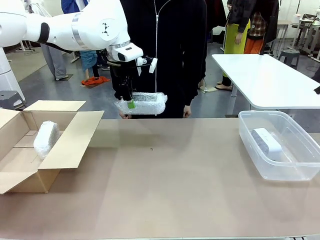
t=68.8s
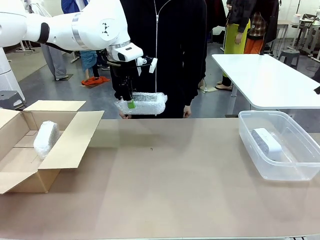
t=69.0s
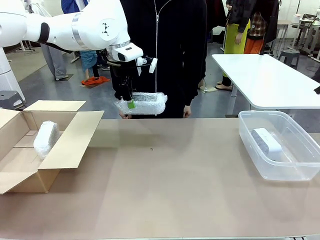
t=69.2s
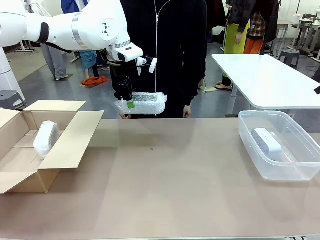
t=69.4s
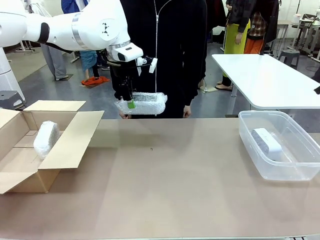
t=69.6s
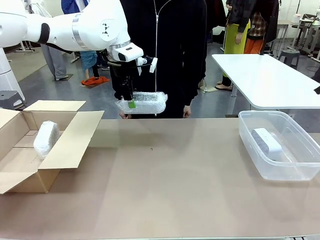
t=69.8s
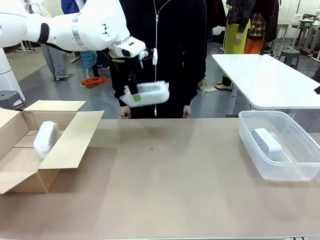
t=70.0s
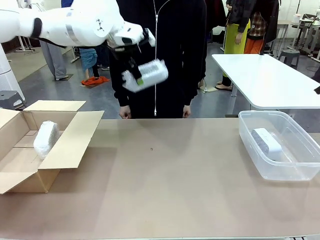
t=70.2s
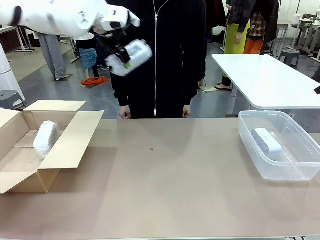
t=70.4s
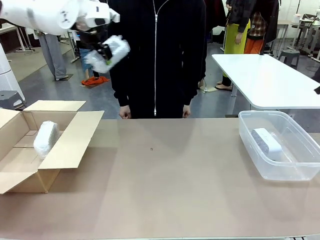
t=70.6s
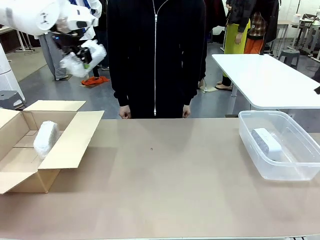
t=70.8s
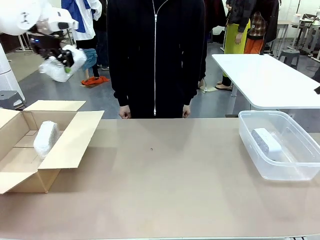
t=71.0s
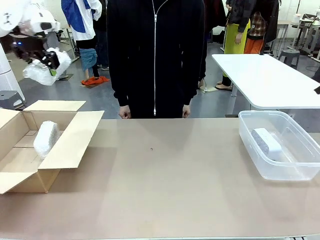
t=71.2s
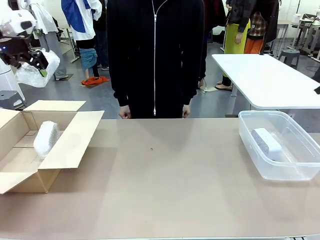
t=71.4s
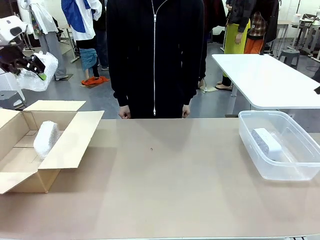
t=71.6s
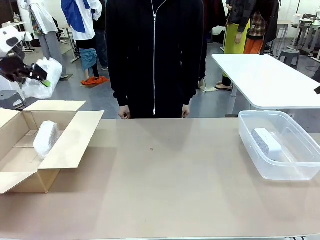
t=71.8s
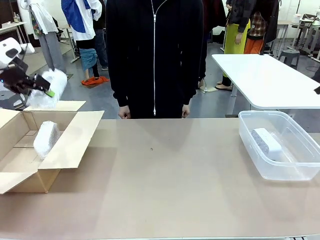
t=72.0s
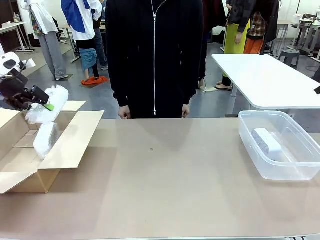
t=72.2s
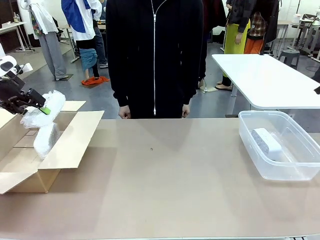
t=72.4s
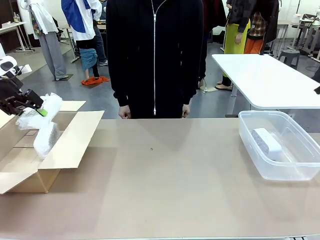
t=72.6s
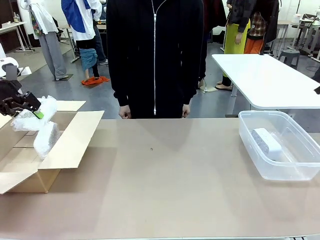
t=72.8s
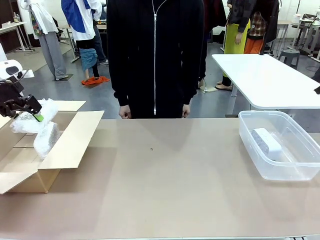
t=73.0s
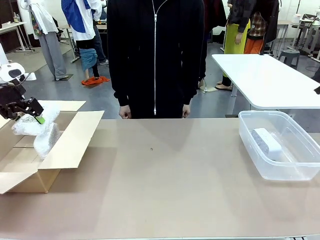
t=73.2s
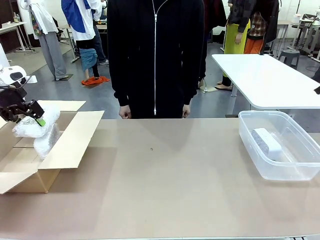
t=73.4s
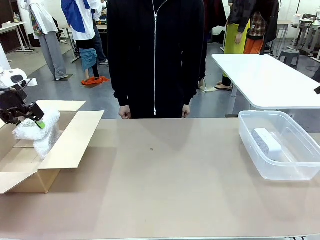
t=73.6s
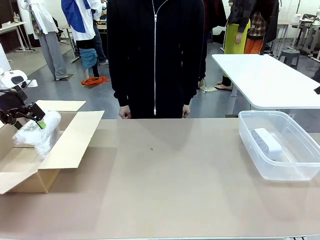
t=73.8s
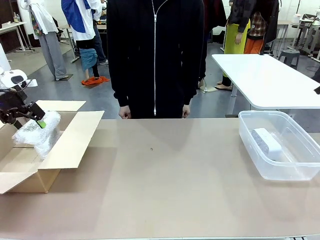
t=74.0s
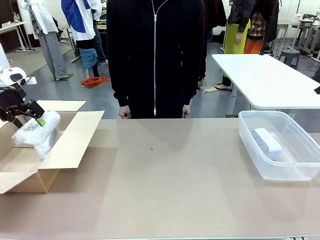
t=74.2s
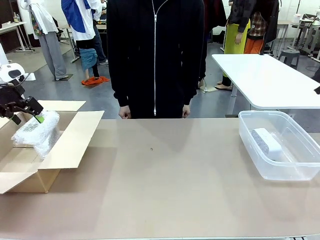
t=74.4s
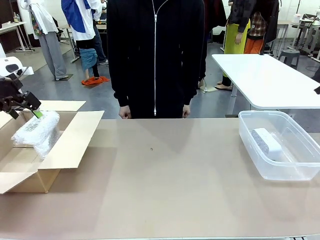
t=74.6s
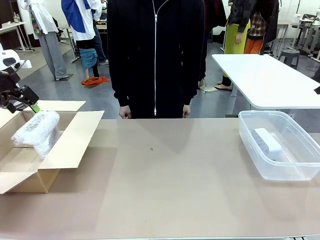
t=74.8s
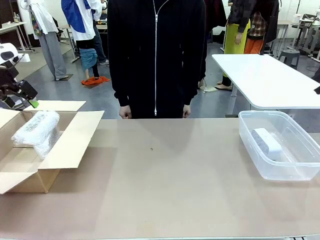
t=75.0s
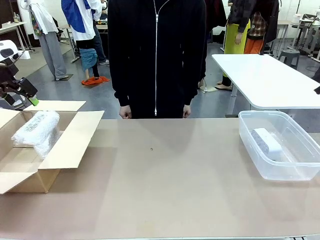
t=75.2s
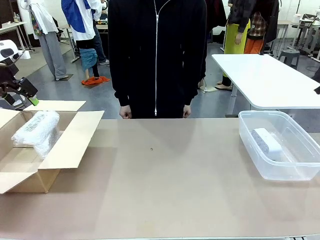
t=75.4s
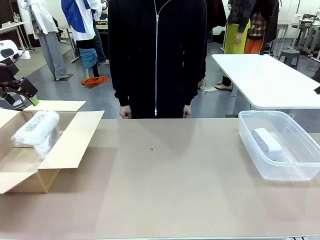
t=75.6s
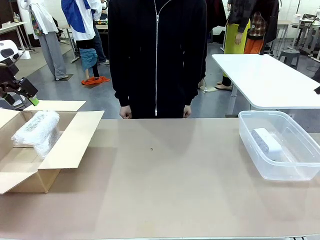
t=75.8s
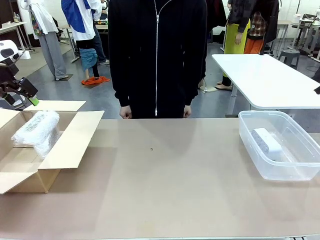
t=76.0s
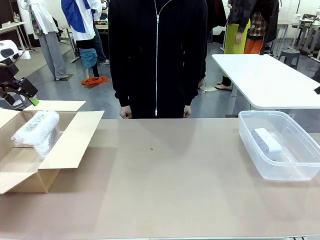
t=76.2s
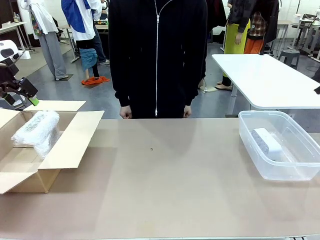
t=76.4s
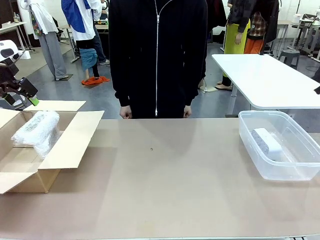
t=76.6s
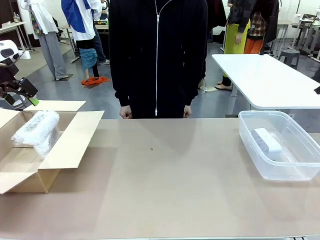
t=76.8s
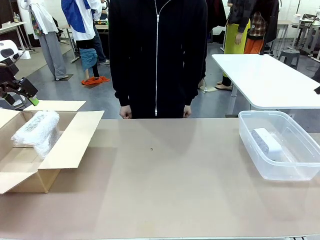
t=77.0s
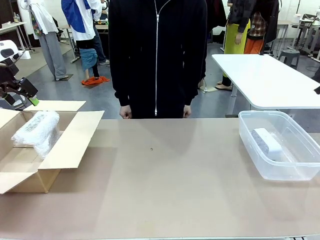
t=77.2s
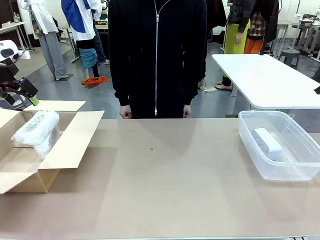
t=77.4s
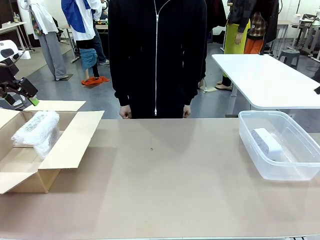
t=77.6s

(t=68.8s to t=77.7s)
Task: Separate and place wrapped and unwrapped clocks.
Robot: If the picked Digital clock is wrapped, place it in the Package Box ; if not, place it in the Organizing box.

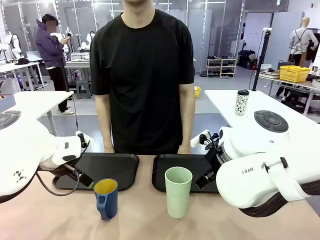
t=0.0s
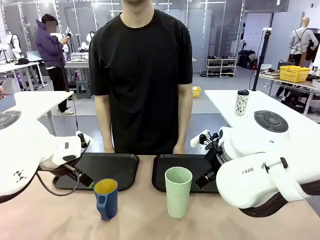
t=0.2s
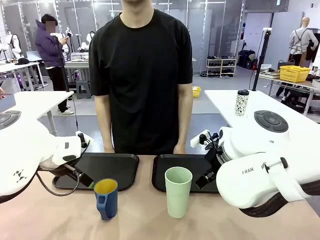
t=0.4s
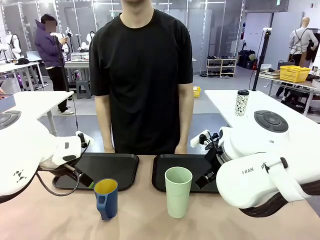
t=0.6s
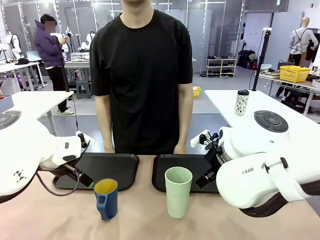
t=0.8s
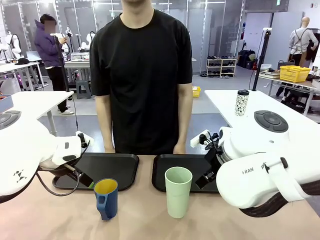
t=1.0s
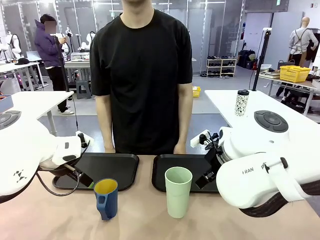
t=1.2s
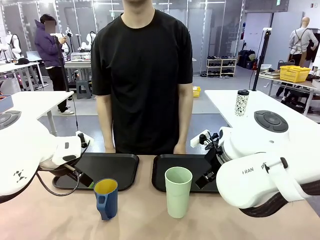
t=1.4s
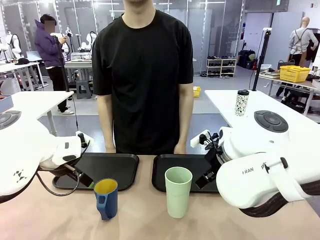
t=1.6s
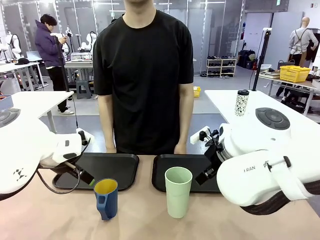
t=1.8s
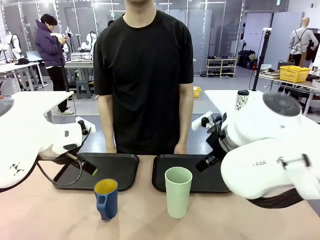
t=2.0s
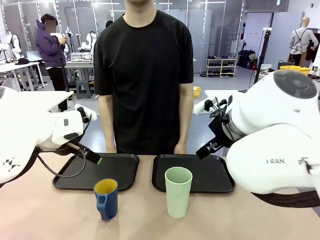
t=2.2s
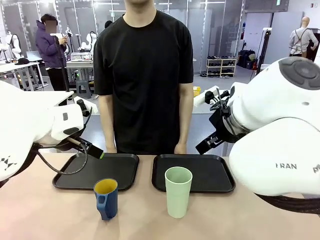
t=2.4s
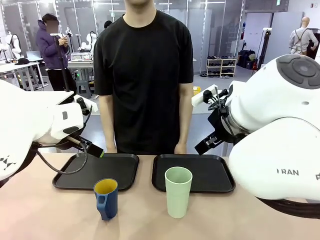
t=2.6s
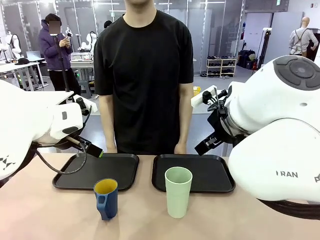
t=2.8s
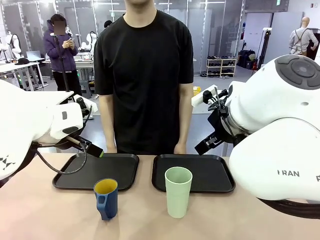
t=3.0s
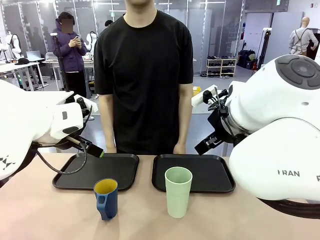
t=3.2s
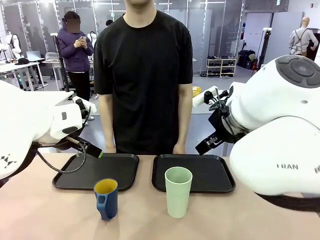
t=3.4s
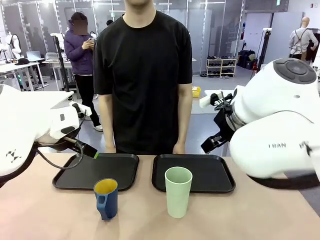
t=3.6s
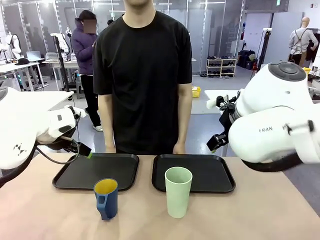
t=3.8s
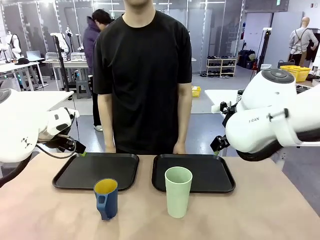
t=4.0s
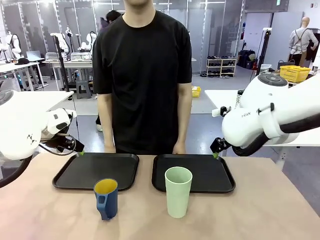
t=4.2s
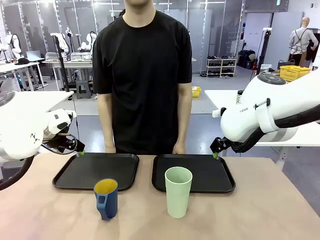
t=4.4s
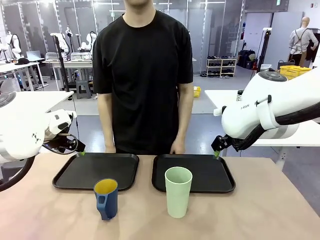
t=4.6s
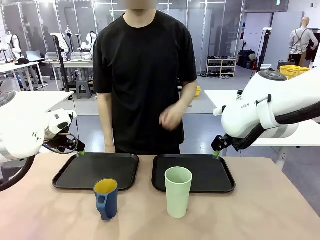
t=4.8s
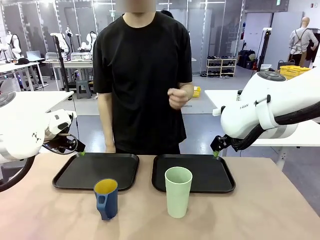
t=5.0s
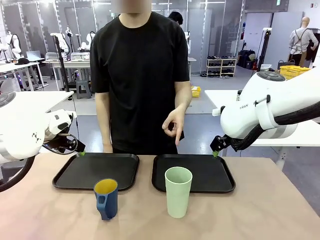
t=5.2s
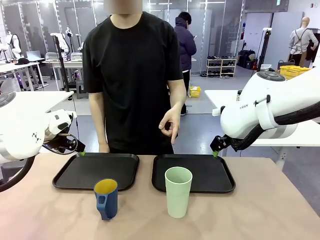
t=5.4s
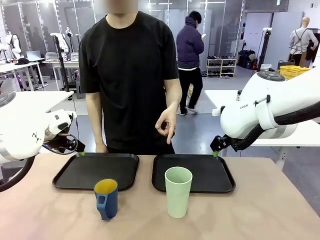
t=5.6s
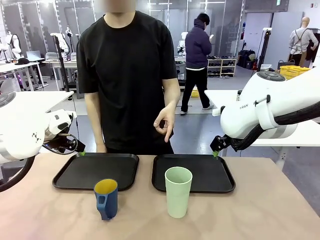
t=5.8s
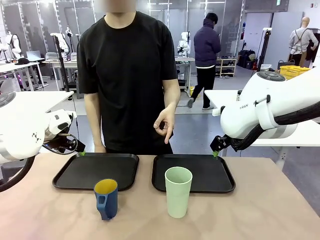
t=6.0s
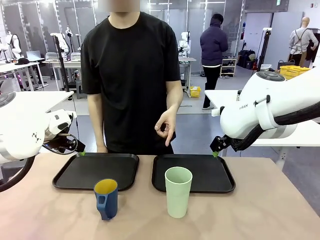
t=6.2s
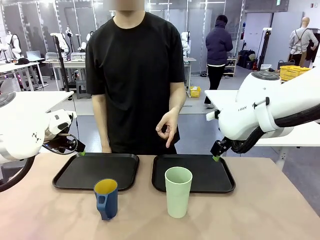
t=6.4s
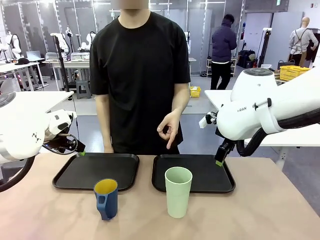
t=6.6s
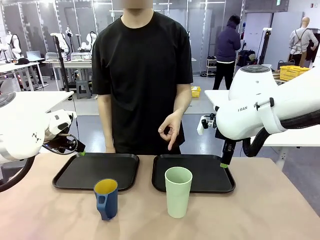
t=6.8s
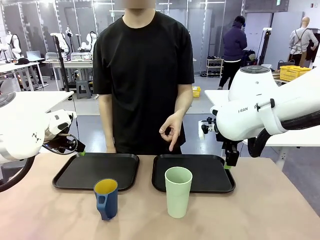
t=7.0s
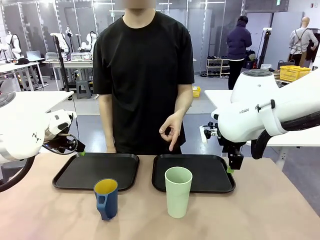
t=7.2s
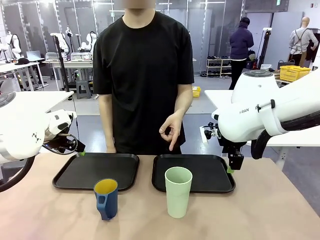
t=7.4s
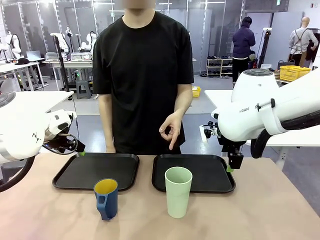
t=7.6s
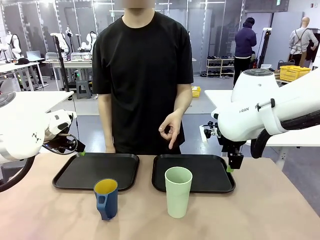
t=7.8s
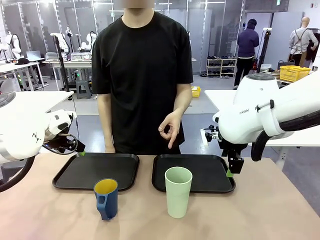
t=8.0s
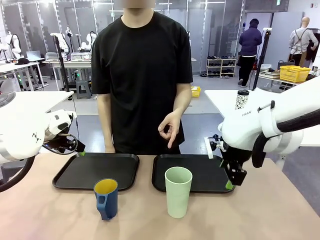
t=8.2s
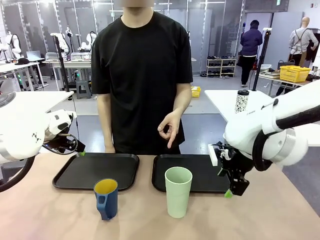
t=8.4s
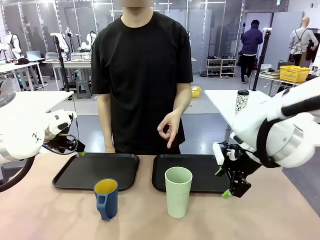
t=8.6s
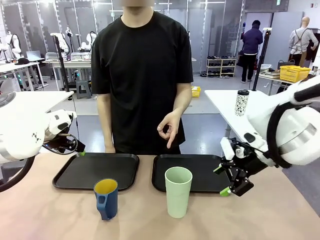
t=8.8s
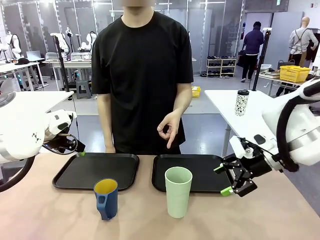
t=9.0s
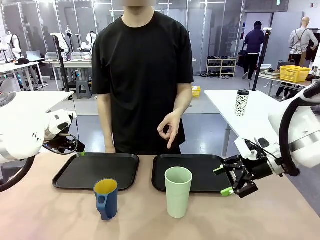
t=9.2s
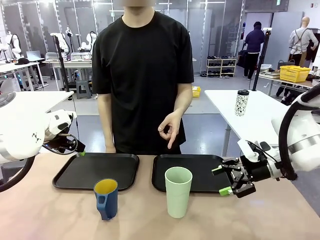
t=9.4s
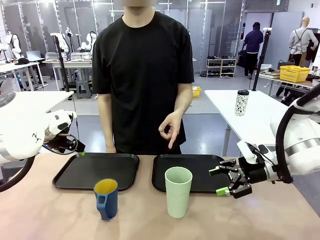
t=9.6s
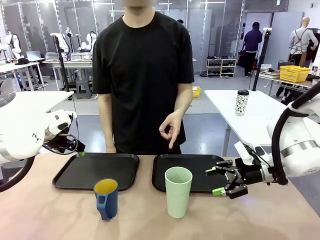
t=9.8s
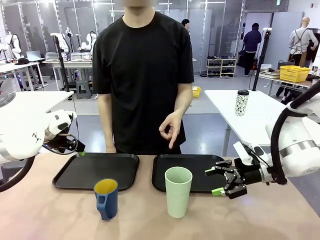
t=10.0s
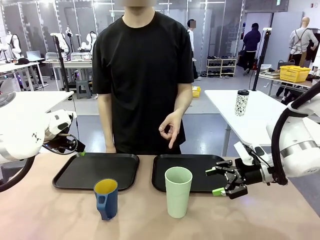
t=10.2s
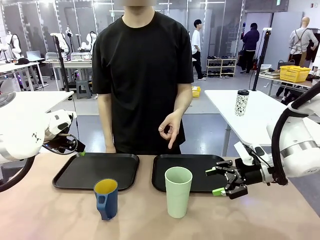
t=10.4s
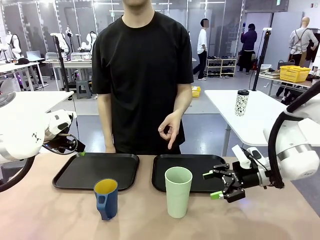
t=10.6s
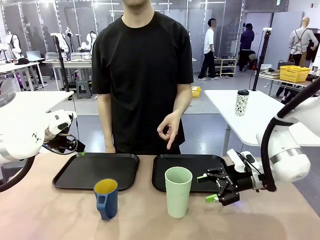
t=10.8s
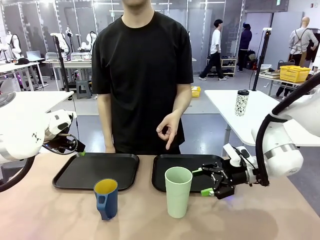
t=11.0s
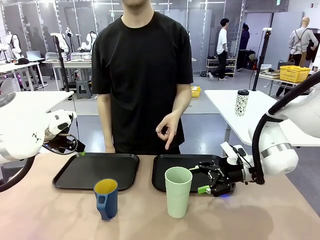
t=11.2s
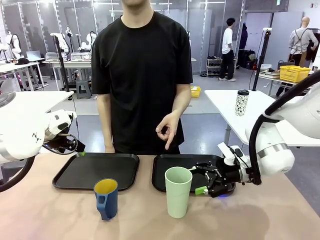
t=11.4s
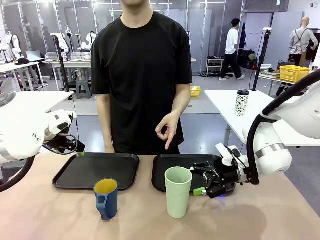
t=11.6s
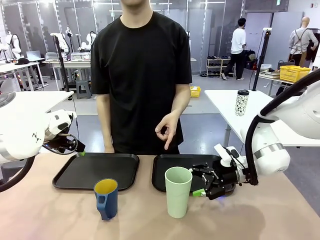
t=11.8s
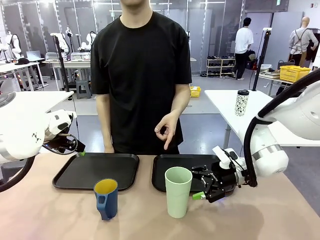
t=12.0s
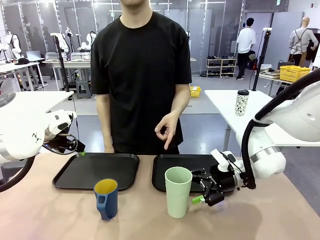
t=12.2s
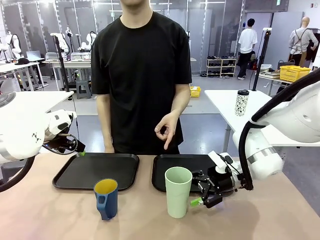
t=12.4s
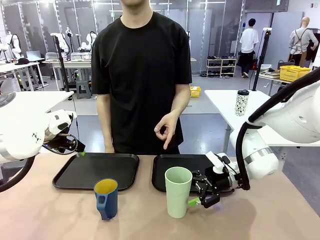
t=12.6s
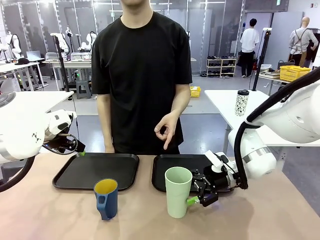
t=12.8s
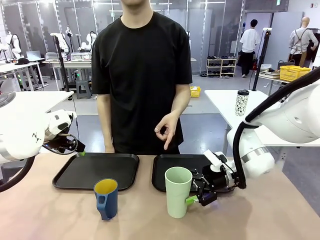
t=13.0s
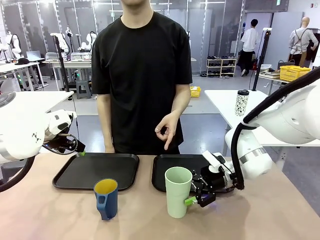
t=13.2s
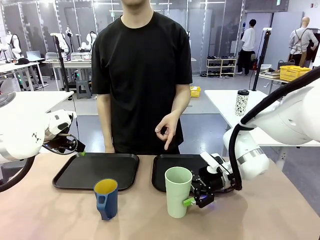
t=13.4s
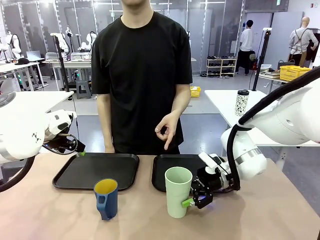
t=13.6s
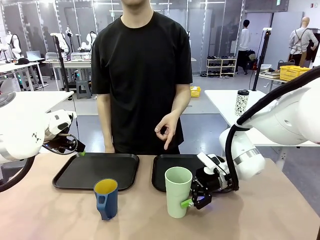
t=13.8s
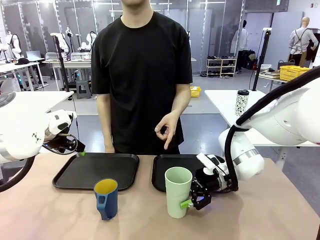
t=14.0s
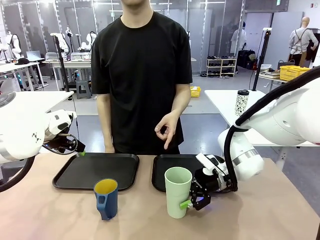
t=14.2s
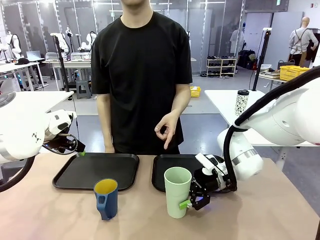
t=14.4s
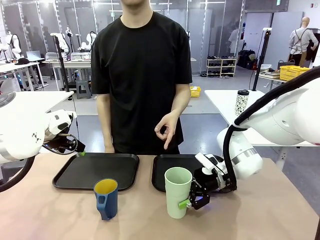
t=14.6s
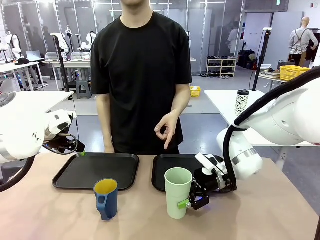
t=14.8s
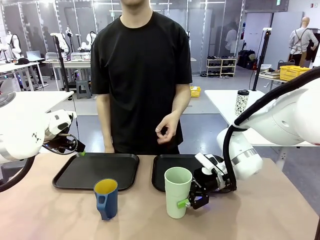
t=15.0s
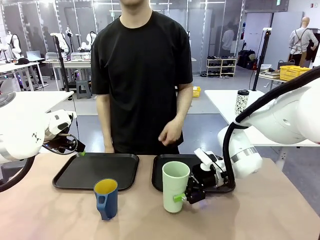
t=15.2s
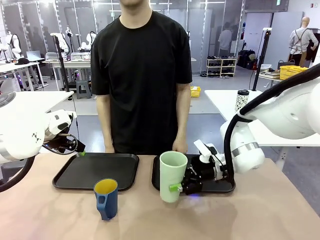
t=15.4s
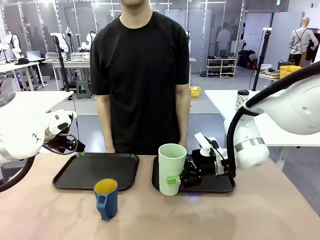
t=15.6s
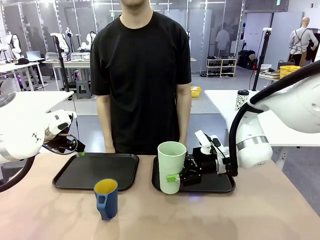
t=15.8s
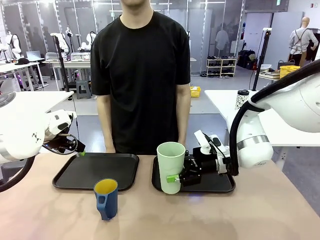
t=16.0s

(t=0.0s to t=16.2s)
Task: Sort and store the cups by type.
Robot: Pick up the Reusable plastic cup.
Person: Points to the reusable cup. Point to one of the two trays.
